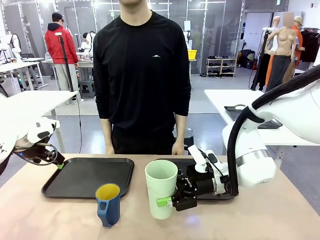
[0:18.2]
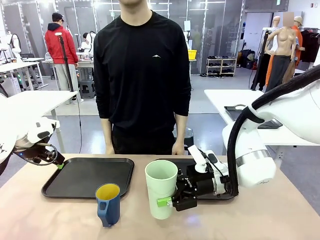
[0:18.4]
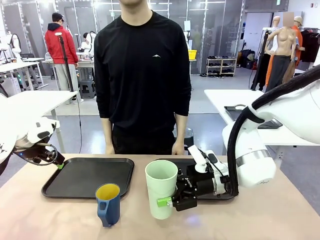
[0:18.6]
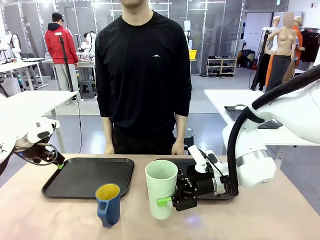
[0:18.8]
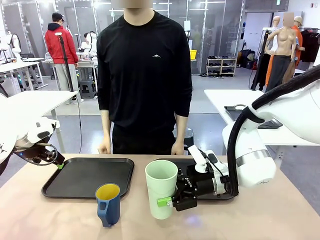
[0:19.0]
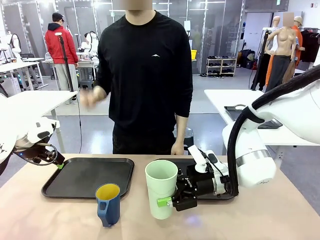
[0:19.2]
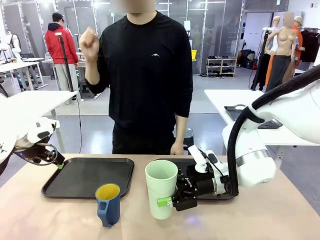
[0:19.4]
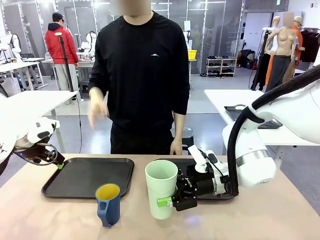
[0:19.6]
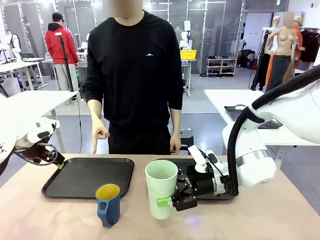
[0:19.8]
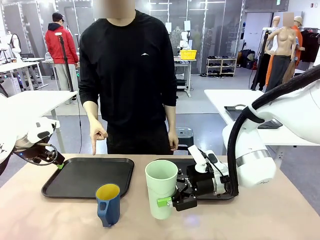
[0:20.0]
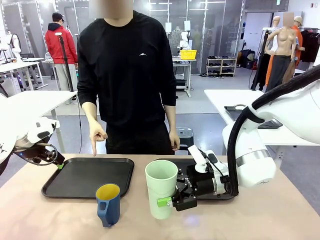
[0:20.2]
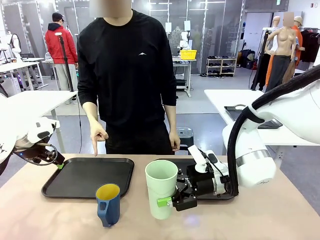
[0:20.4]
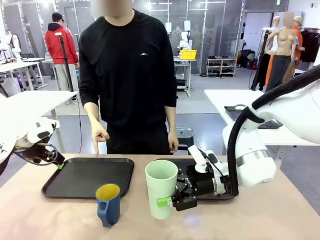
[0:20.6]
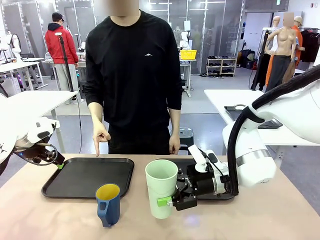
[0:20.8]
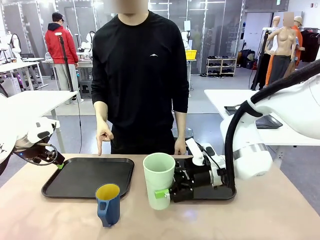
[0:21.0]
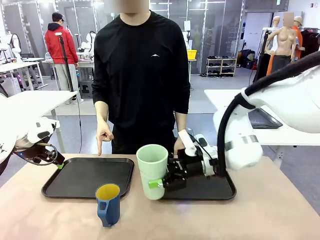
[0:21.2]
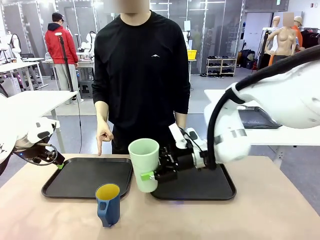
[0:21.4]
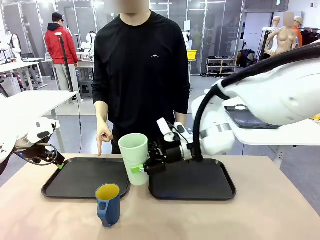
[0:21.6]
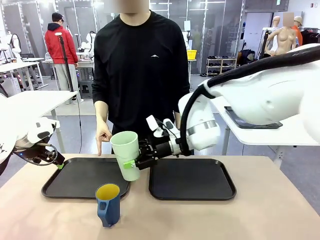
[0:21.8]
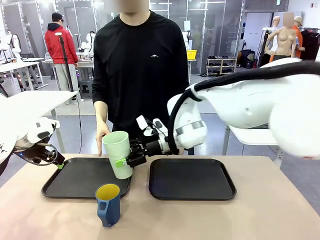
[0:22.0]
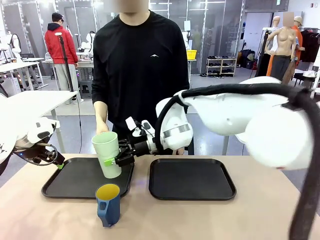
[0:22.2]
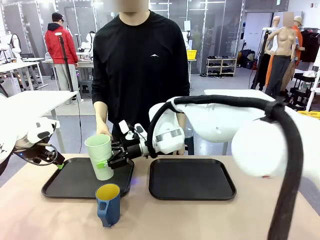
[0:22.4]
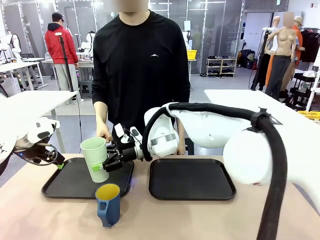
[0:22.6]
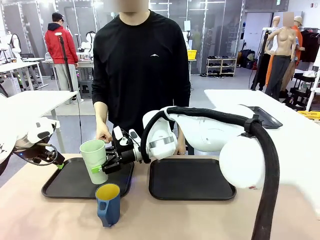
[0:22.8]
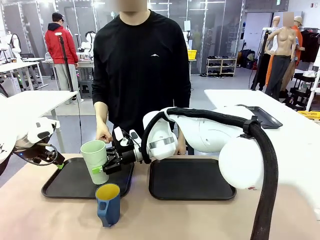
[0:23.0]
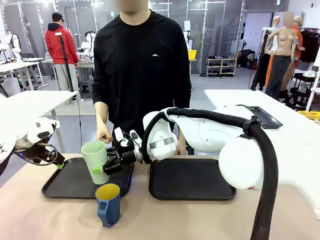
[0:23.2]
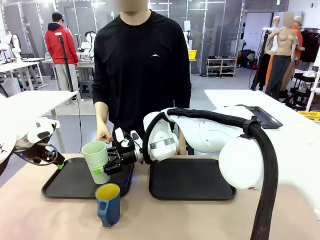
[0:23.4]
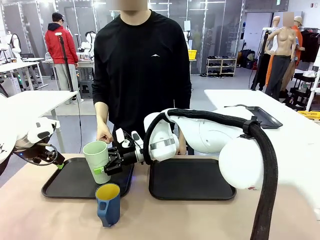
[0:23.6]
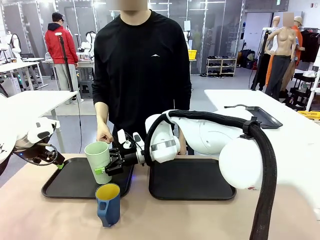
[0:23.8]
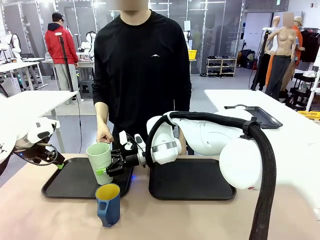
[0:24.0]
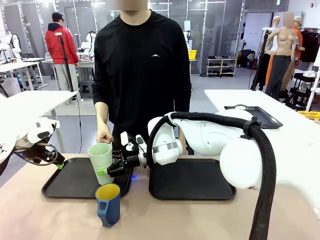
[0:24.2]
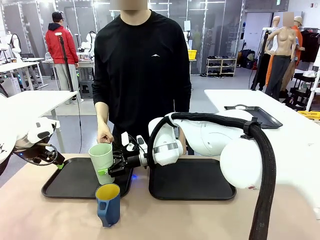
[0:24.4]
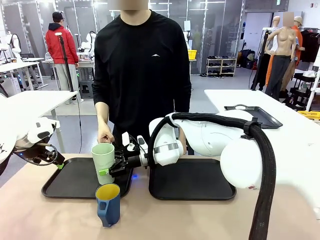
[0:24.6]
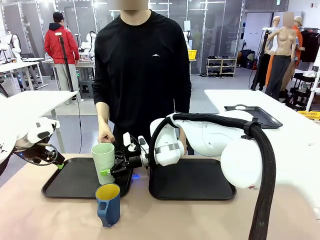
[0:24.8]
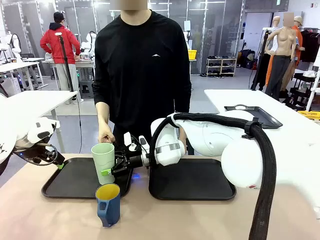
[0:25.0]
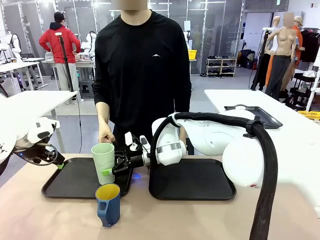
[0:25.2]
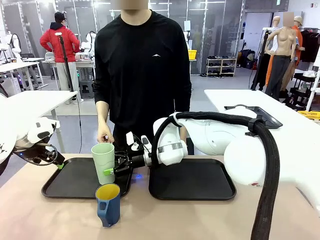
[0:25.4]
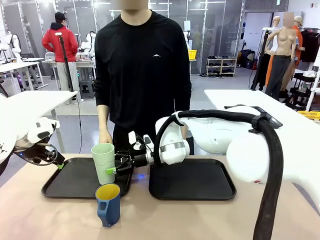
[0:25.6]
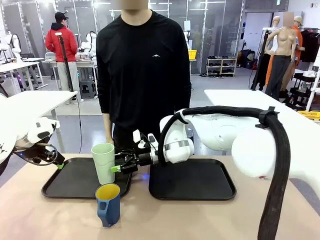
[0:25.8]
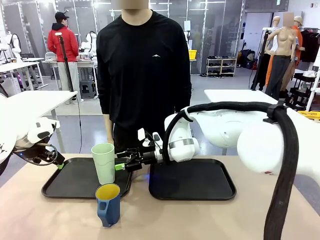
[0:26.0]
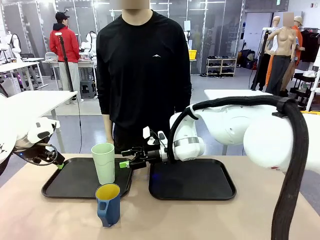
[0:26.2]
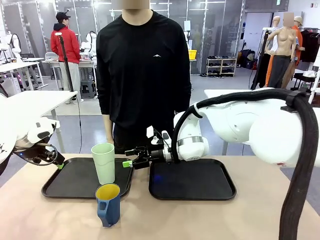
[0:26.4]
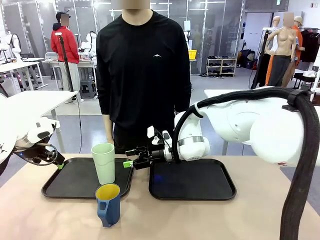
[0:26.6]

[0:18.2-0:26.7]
Task: Sort and store the cups by type.
Robot: Place the picked Reusable plastic cup into the Flat Tray indicated by the person.

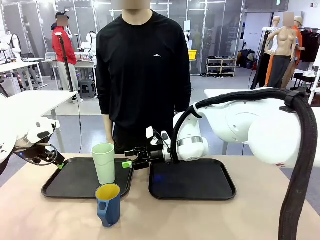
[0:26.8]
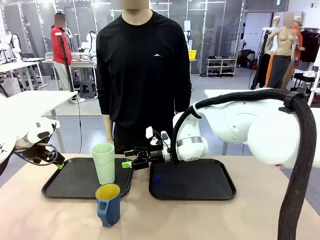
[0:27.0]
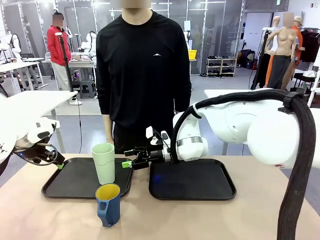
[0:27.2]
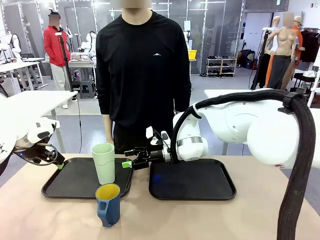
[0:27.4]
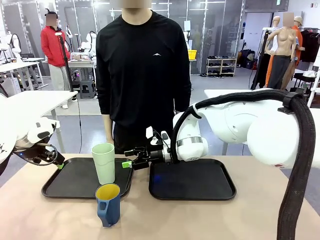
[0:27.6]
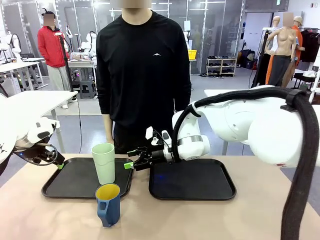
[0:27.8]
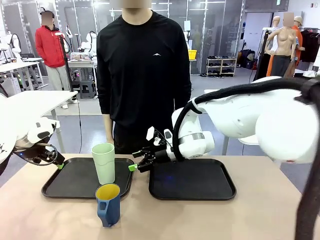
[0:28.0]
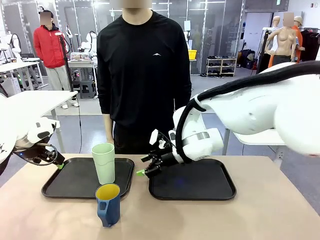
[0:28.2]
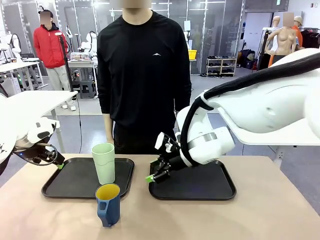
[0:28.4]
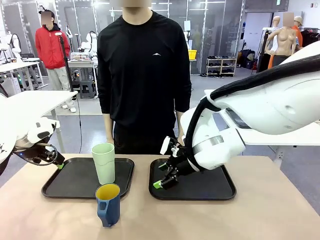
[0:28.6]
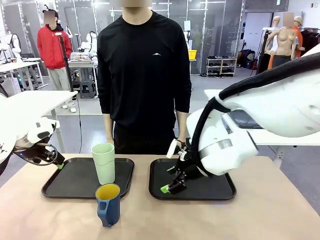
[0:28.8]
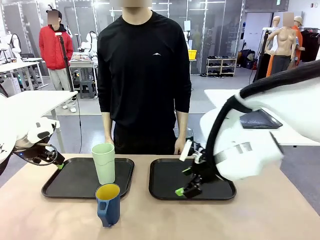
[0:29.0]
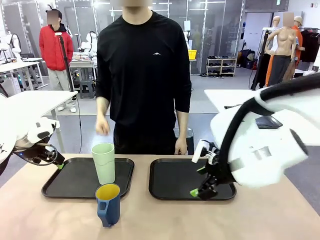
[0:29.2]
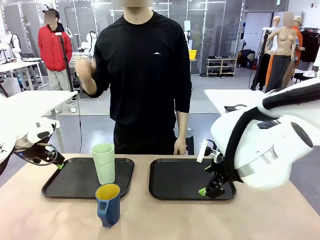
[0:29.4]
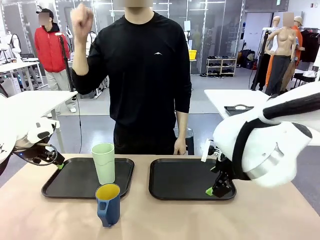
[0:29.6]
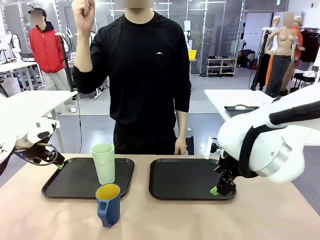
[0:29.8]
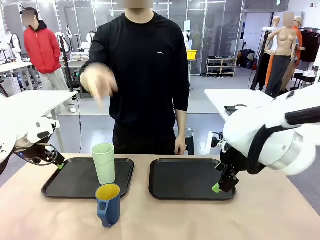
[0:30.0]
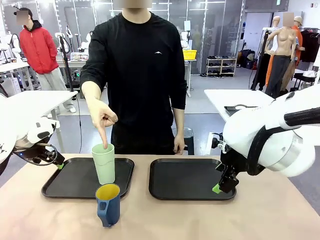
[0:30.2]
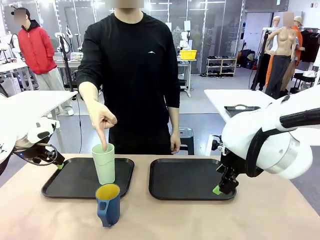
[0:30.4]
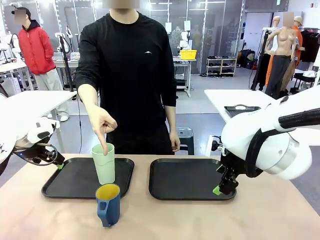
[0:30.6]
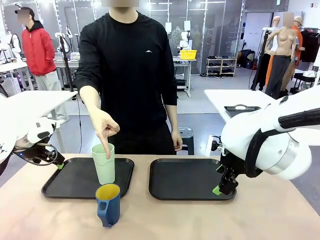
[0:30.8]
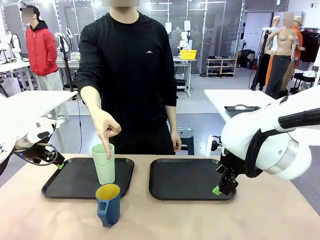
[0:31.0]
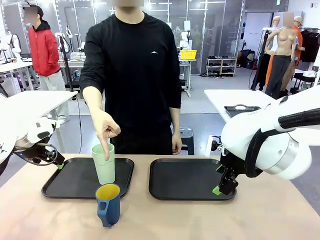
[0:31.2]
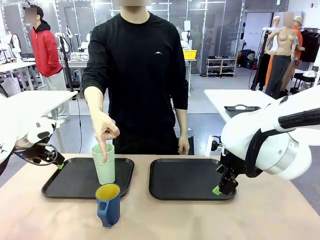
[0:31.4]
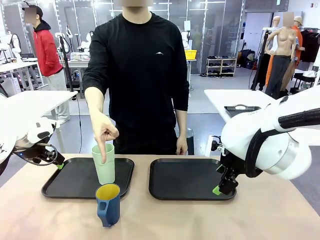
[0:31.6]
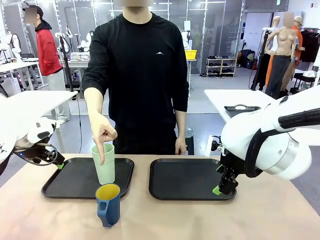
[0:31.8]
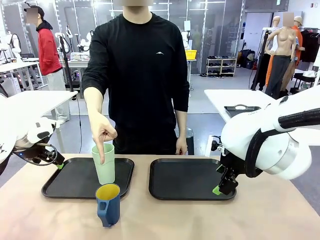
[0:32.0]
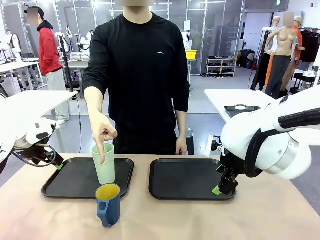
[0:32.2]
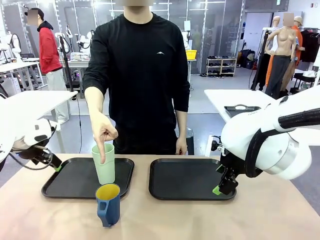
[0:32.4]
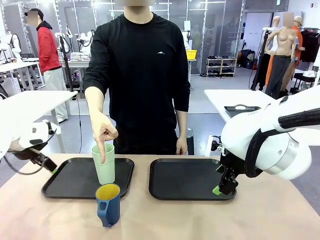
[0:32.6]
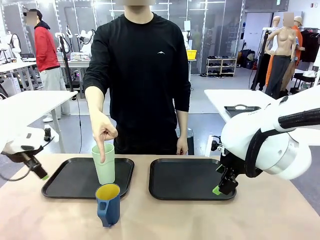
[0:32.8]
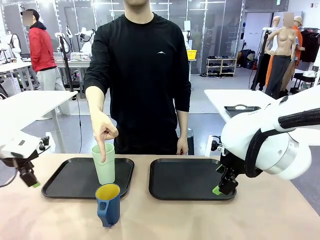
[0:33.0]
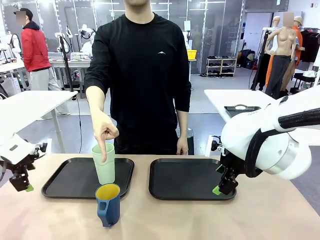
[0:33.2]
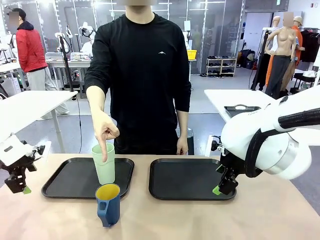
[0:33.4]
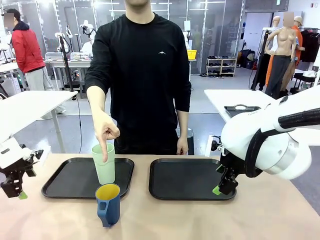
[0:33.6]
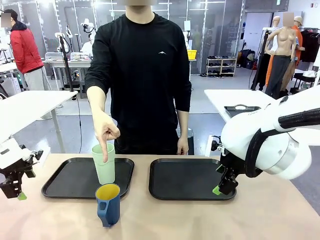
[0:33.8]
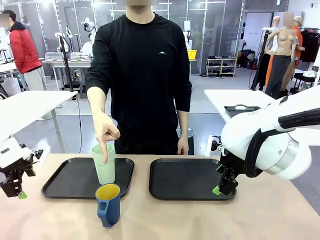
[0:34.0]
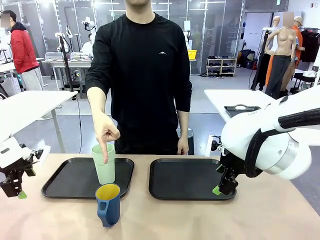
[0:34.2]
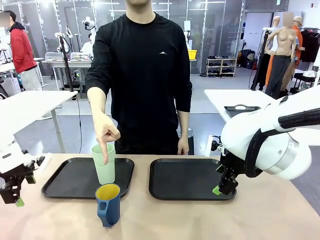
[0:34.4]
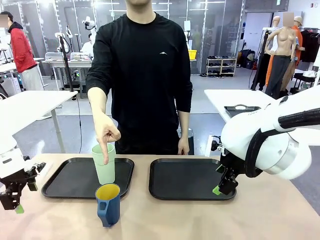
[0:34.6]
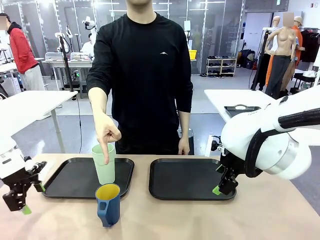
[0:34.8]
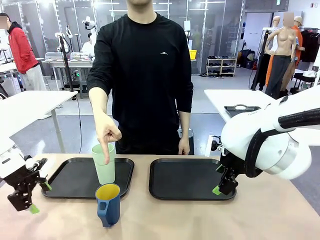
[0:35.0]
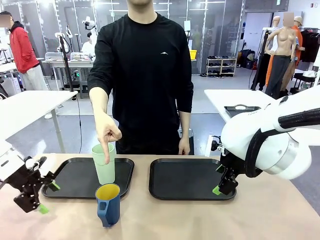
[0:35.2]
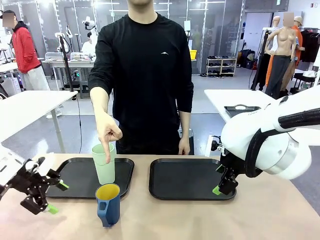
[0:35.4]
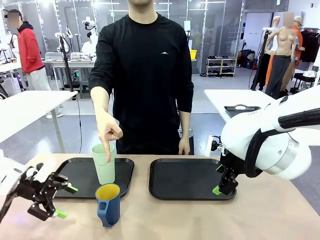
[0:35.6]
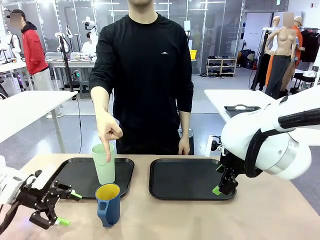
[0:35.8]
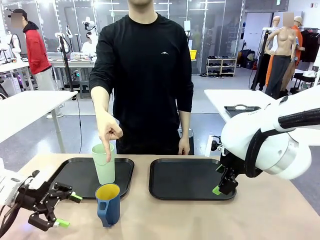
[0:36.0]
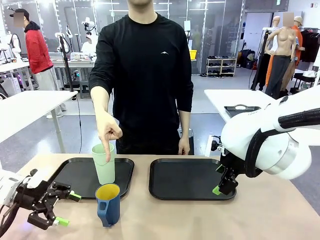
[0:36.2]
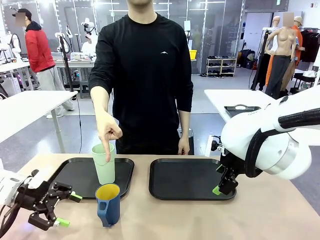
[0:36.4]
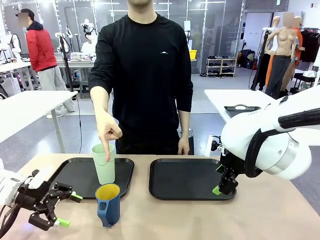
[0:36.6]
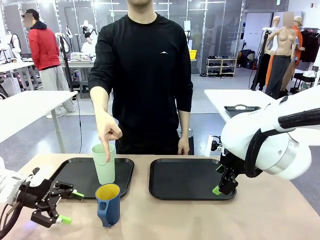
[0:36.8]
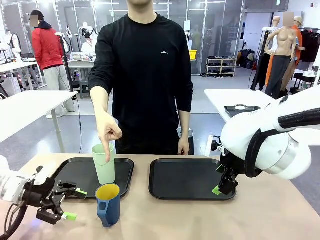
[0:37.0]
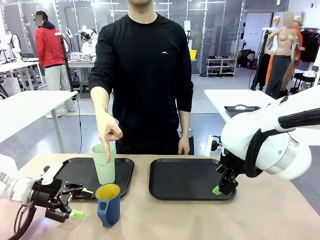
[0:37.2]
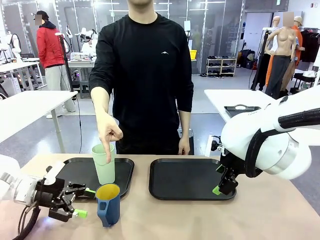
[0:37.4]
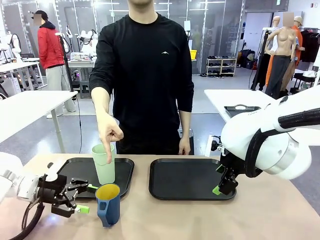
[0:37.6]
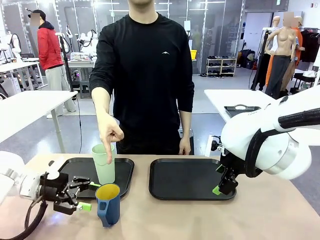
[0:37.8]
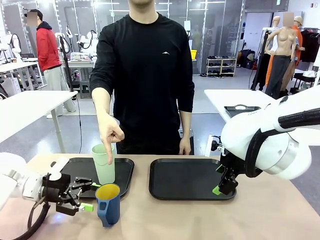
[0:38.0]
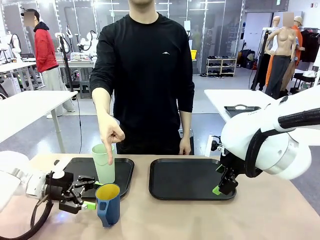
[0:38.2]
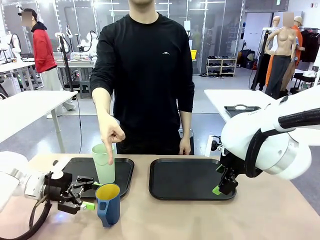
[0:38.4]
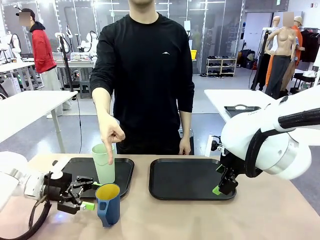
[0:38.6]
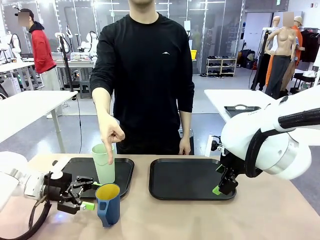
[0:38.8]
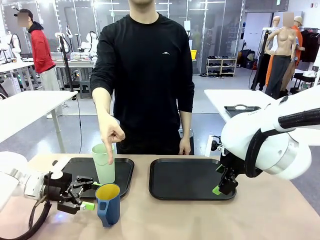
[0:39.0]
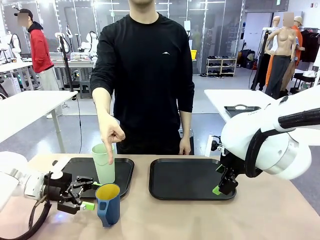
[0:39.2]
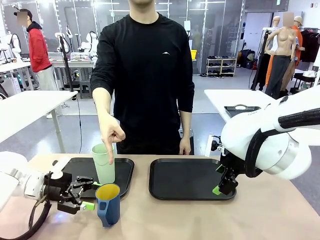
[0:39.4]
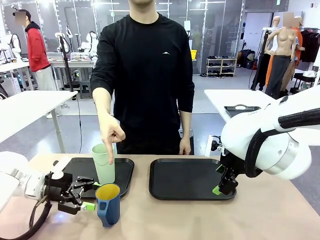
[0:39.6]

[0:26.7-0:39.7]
Robot: Pick up the Handle plastic cup and place it into the empty Flat Tray.
